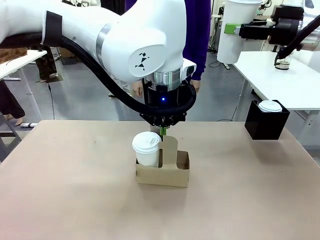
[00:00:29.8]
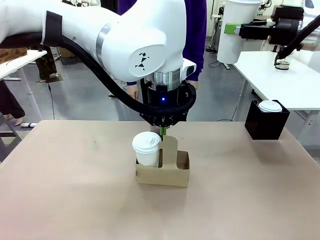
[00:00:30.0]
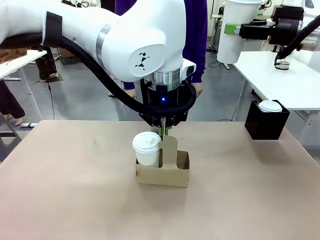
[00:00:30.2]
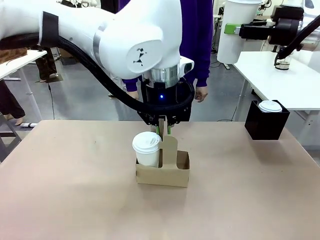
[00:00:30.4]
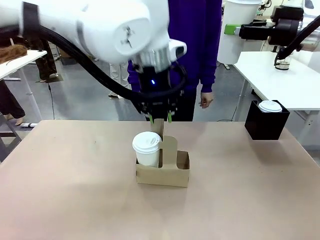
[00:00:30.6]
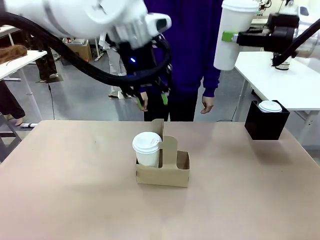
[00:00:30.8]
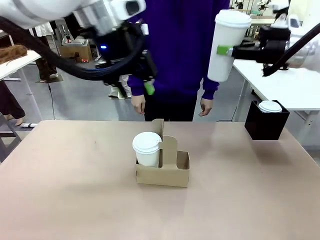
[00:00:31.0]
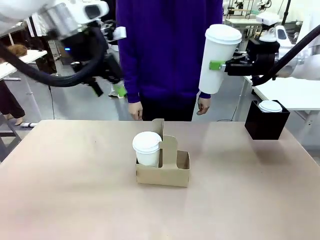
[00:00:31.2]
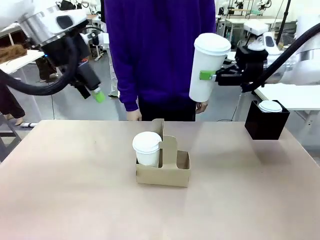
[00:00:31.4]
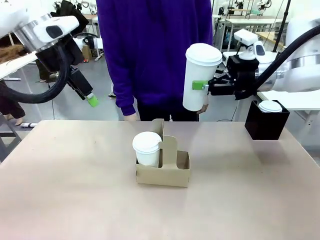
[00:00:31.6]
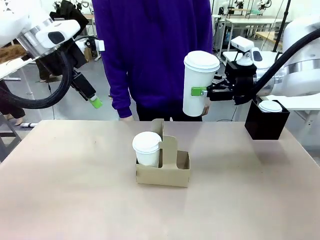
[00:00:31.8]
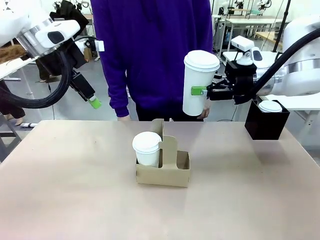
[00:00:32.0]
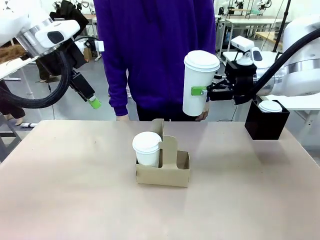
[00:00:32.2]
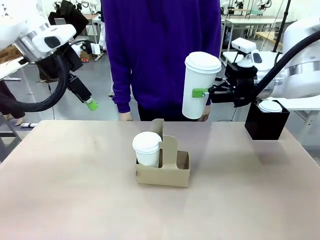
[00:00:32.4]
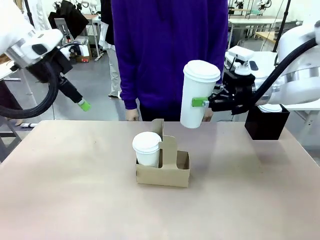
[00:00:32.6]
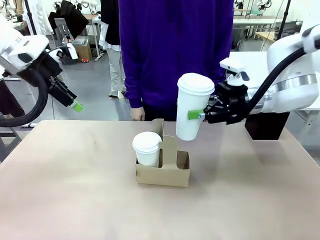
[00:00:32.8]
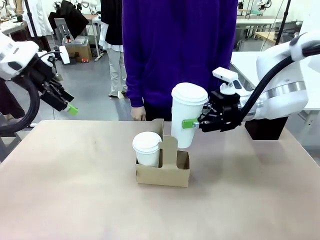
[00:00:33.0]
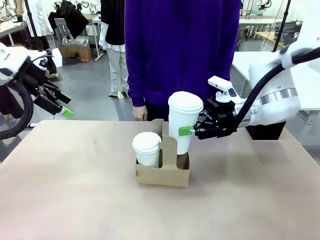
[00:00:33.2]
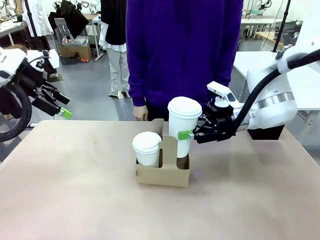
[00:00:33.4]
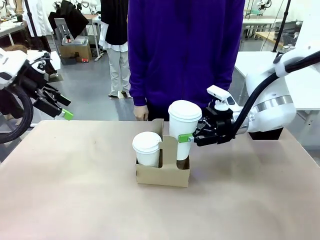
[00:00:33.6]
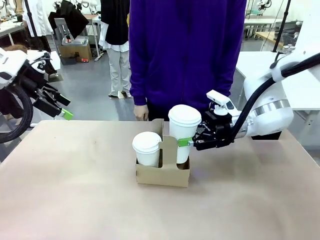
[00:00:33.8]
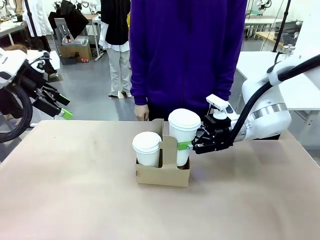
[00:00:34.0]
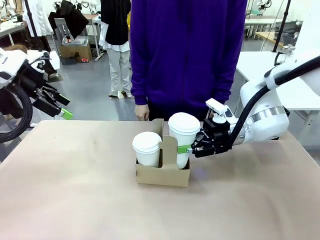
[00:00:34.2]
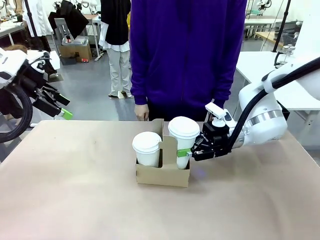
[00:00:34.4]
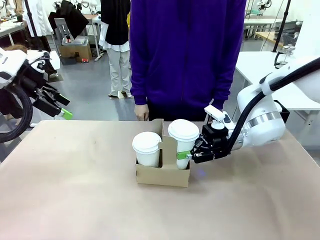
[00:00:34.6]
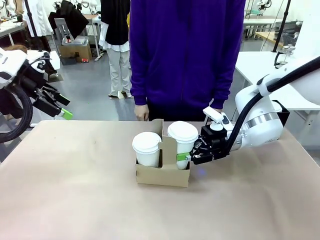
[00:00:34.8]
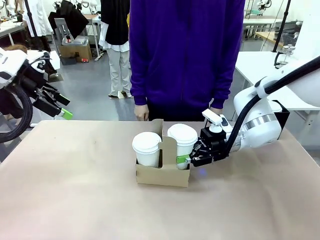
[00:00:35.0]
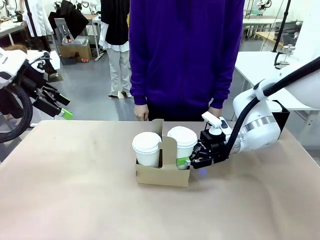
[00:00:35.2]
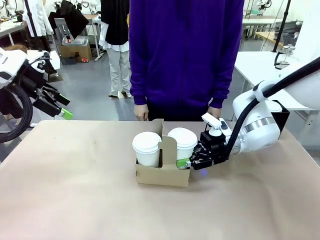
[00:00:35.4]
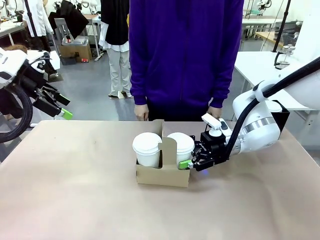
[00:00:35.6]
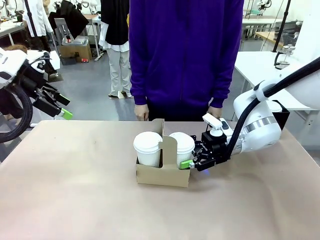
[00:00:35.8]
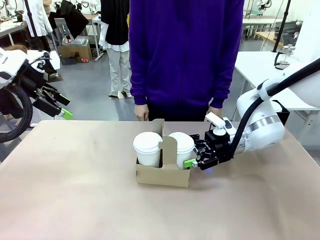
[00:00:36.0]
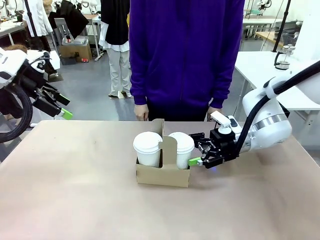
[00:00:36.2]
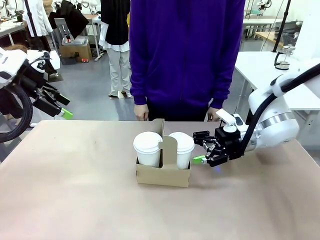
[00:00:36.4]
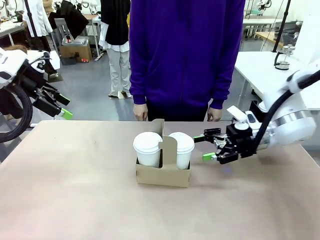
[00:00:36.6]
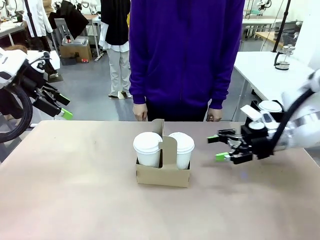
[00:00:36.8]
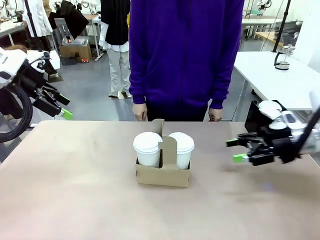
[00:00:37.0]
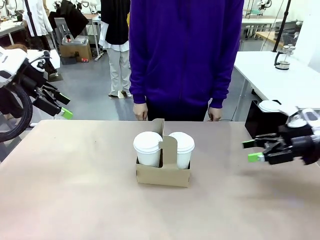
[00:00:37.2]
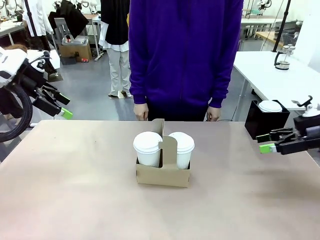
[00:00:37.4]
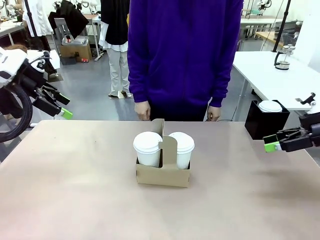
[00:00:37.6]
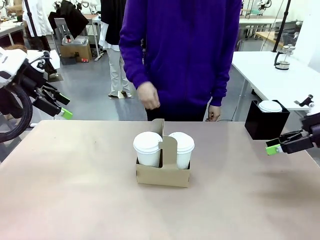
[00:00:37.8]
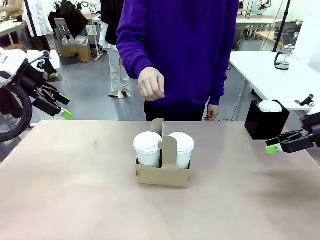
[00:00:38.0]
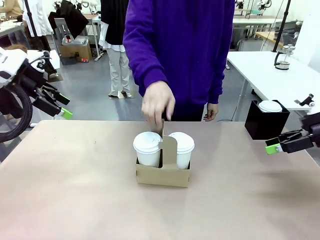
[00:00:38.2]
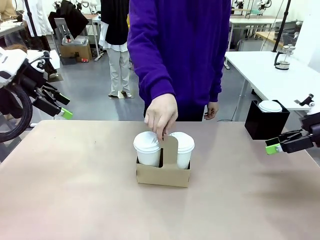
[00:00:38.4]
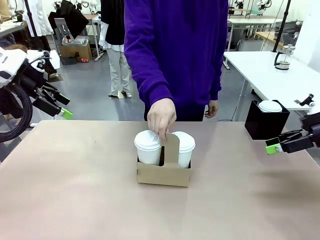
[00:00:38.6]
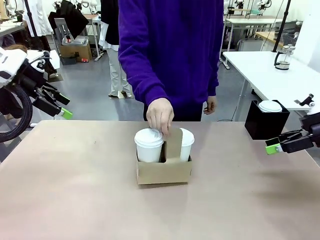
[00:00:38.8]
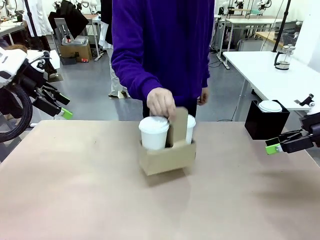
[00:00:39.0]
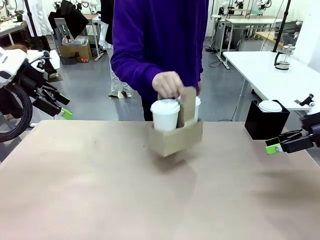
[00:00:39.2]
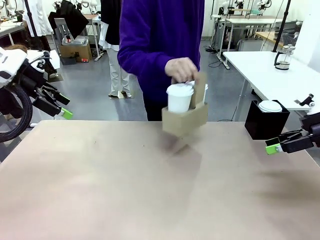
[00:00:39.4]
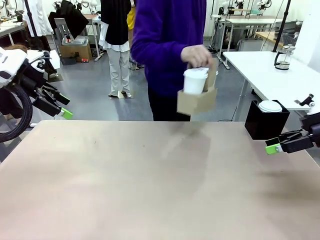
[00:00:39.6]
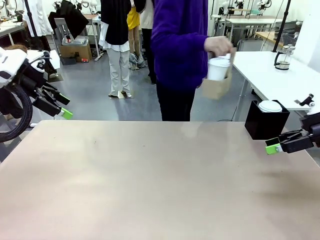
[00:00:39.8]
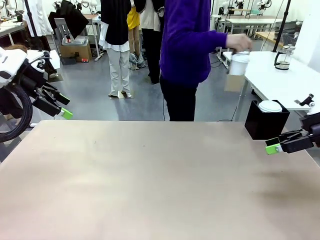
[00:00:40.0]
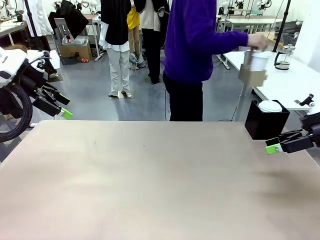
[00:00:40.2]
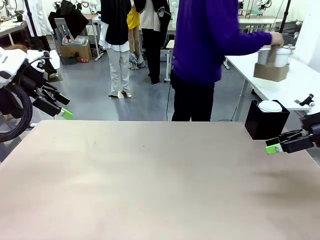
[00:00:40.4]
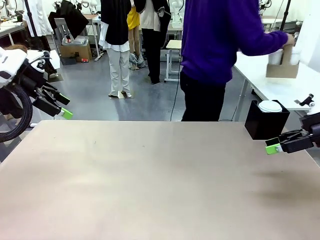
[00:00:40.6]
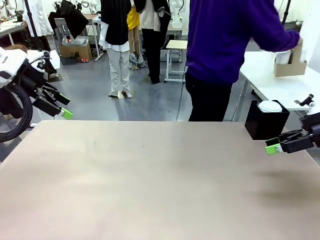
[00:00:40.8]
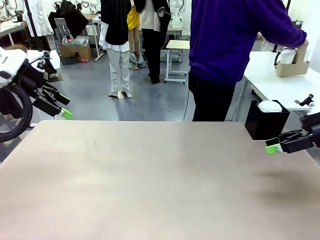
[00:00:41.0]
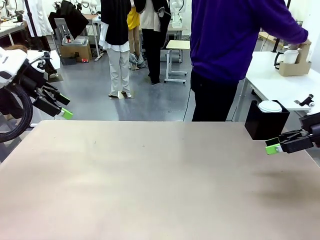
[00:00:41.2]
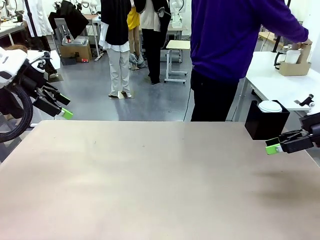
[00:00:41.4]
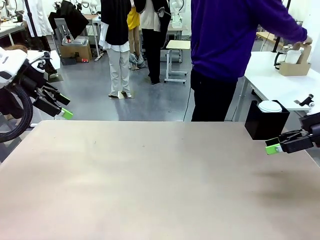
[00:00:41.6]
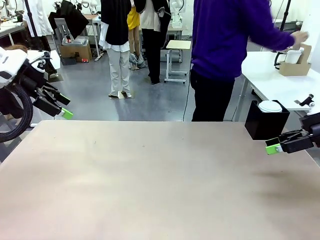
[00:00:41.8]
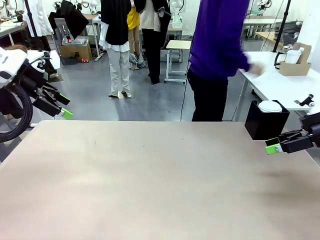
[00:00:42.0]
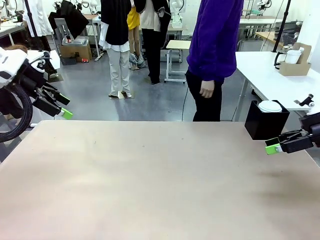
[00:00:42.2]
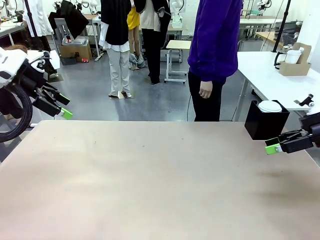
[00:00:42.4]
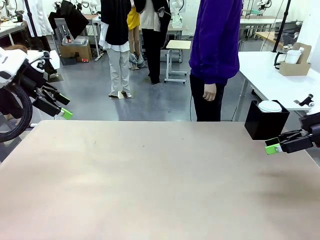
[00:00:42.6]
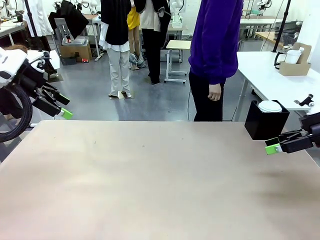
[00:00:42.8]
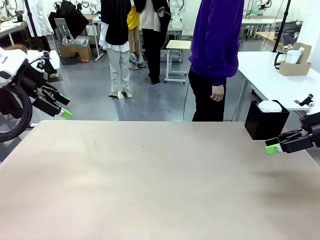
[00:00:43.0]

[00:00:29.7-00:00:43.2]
Task: Pour a drink into a cup and package it in a carrier.
Robot: Insert the held 600 ml Paper Cup into the Cup Carrier.
Person: Place the Cup Carrier to the middle of Human table.

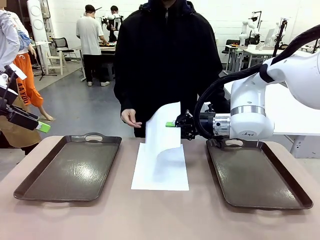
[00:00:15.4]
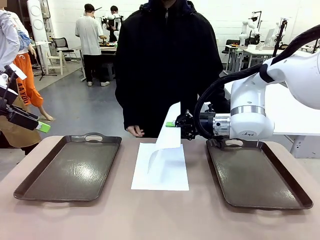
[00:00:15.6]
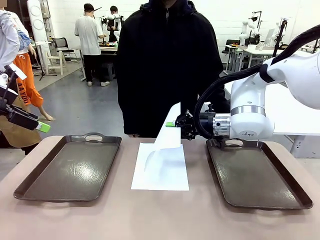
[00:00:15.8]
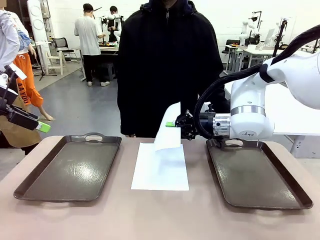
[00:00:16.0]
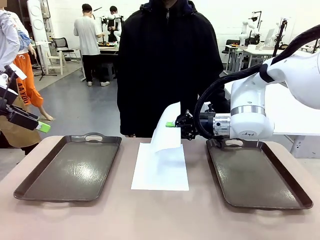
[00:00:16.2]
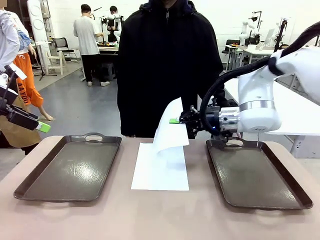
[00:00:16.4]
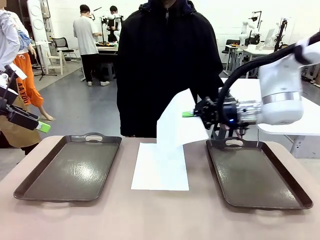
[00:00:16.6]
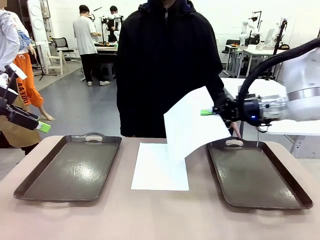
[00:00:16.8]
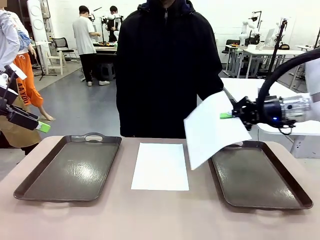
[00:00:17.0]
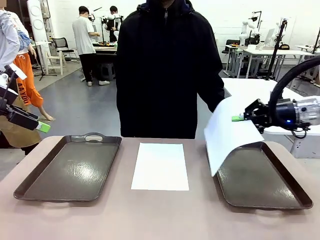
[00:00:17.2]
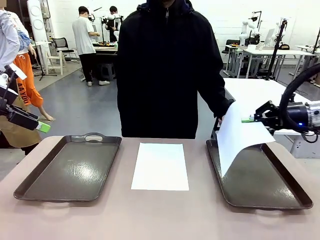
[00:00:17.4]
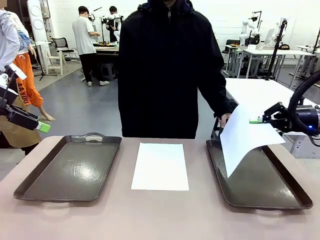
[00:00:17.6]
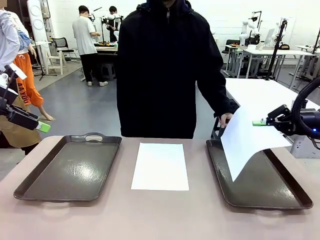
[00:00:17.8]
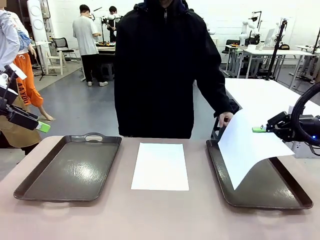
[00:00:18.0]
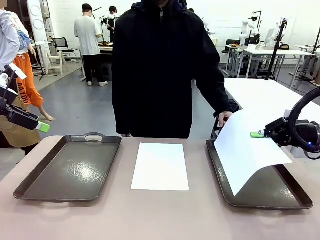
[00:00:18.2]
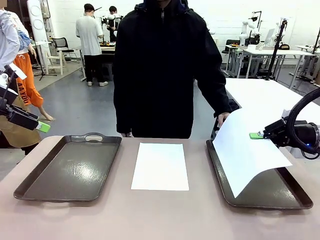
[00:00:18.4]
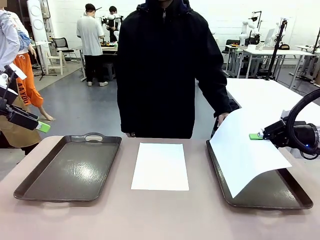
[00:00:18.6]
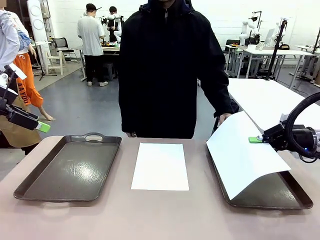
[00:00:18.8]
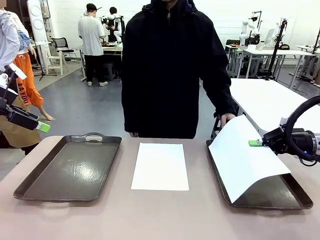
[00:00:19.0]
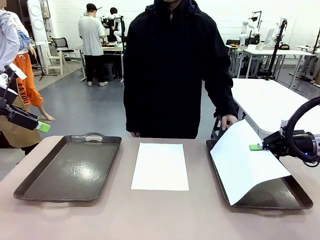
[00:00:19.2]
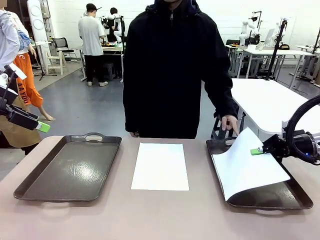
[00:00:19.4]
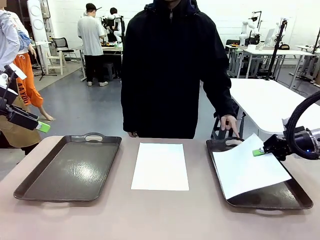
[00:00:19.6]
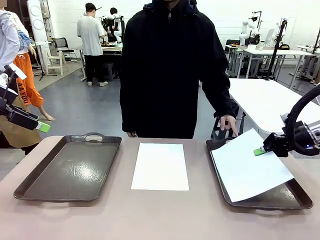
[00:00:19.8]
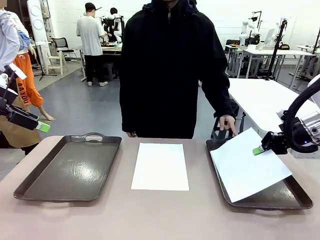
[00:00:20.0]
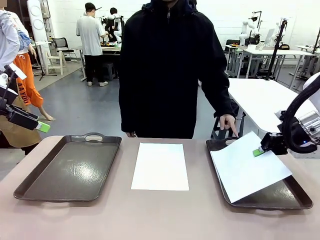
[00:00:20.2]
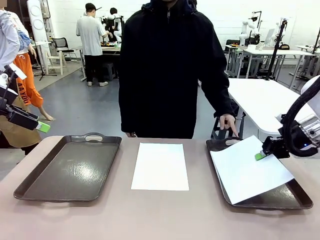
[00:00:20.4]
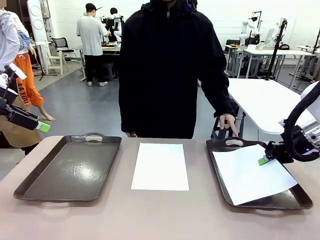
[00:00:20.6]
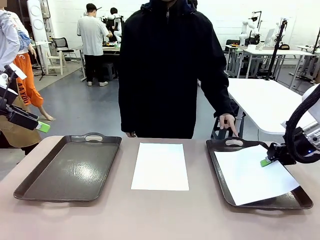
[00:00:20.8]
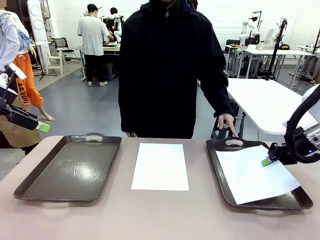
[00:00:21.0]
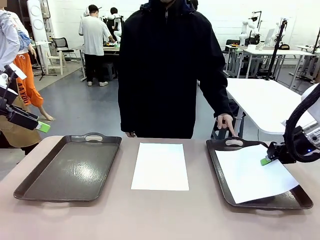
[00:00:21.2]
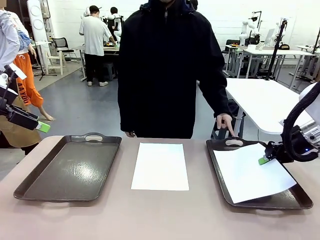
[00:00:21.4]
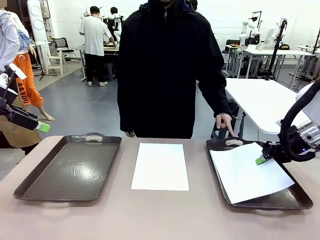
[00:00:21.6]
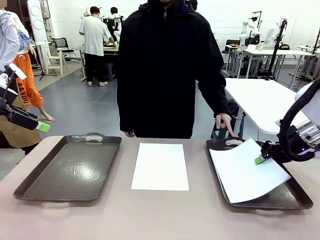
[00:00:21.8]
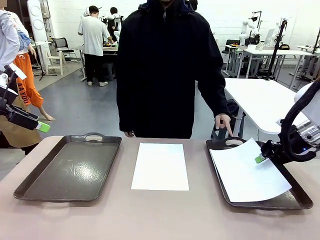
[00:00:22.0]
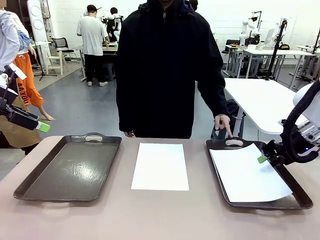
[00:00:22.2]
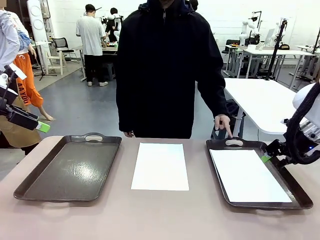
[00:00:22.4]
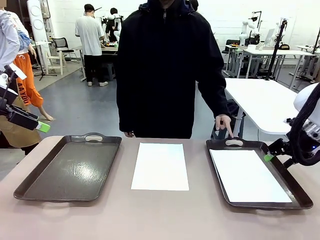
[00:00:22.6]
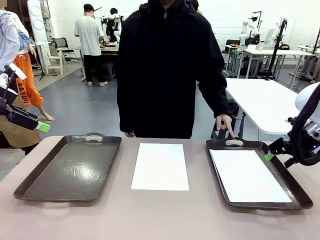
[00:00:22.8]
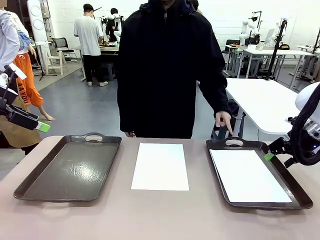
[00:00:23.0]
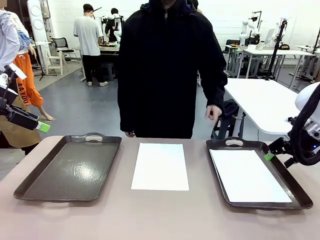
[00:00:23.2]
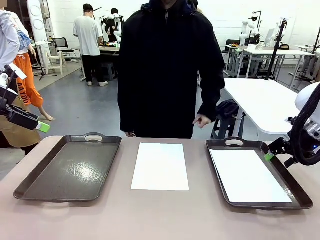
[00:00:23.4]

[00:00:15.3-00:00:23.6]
Task: Sort the A4 documents.
Robot: Place the A4 Paper in the designated Handle tray.
